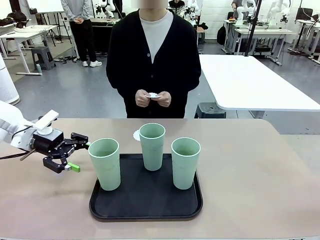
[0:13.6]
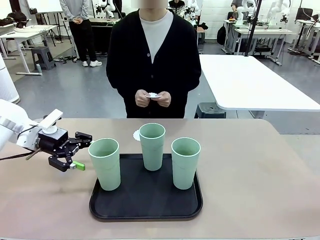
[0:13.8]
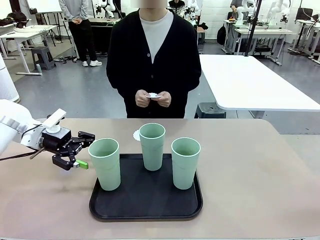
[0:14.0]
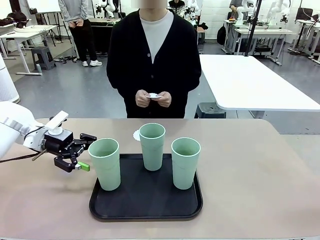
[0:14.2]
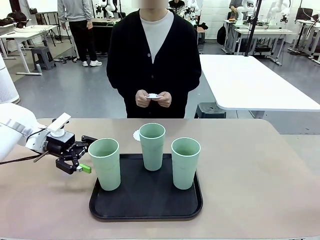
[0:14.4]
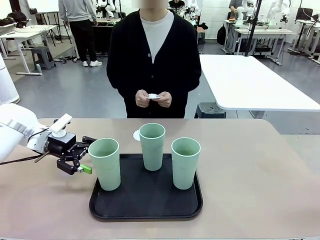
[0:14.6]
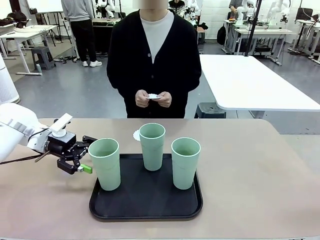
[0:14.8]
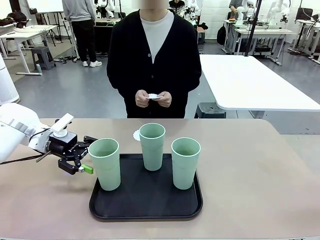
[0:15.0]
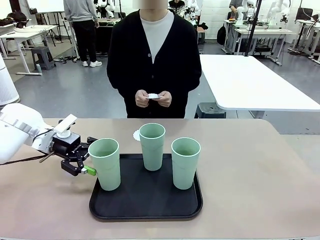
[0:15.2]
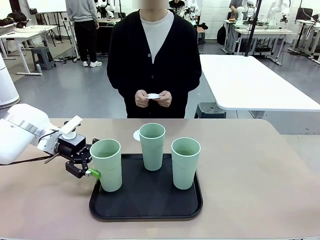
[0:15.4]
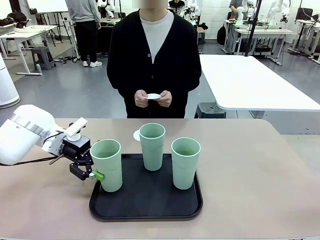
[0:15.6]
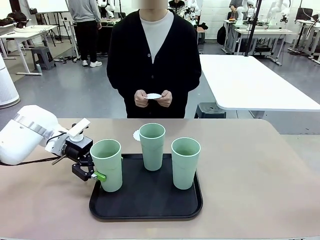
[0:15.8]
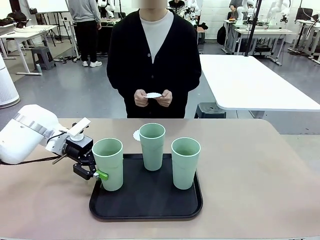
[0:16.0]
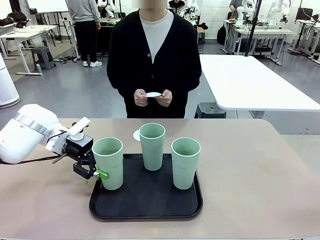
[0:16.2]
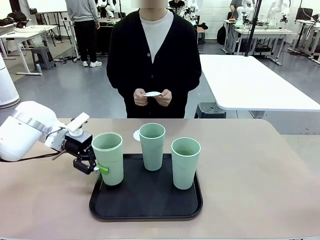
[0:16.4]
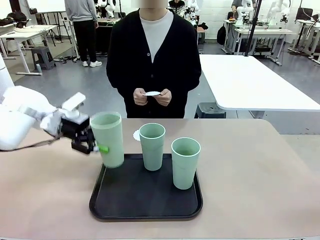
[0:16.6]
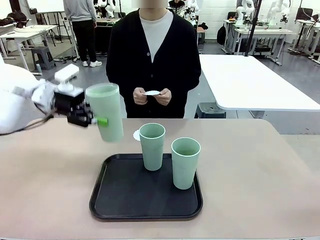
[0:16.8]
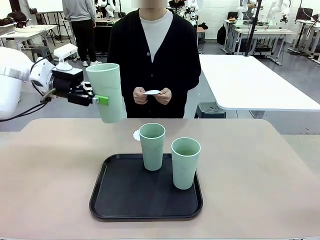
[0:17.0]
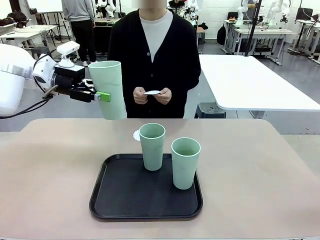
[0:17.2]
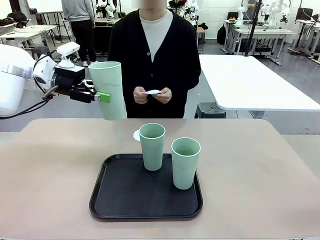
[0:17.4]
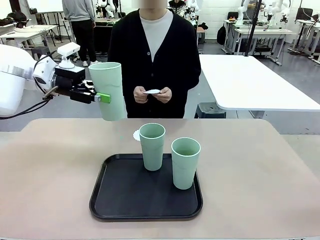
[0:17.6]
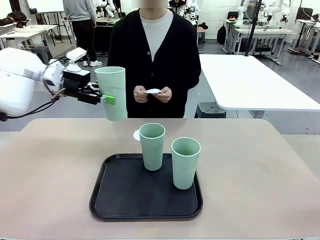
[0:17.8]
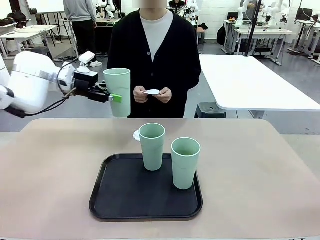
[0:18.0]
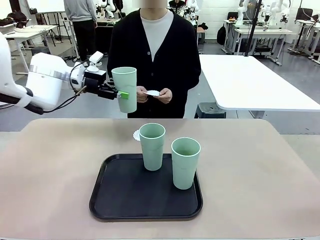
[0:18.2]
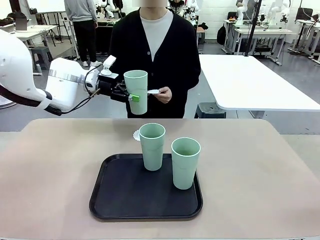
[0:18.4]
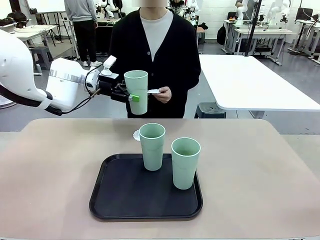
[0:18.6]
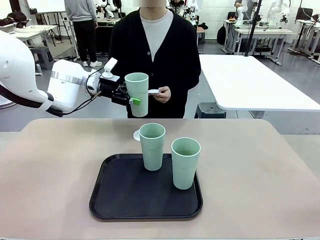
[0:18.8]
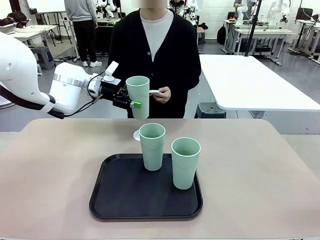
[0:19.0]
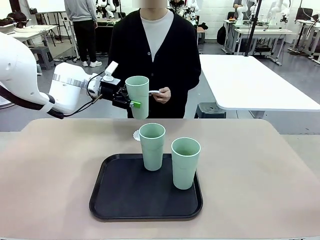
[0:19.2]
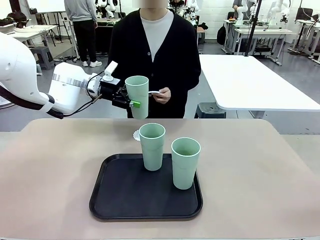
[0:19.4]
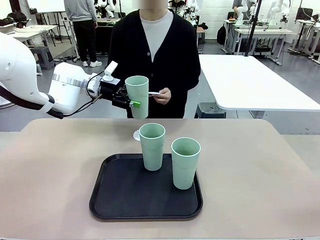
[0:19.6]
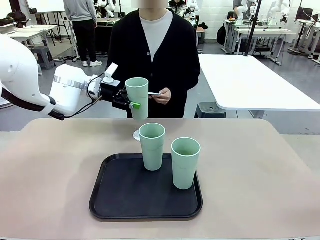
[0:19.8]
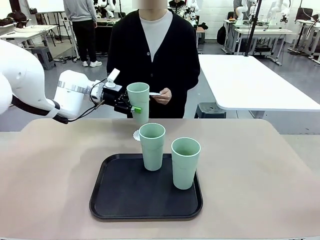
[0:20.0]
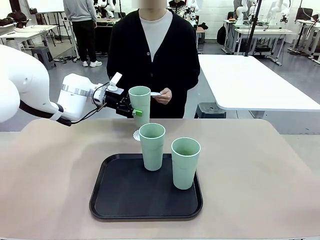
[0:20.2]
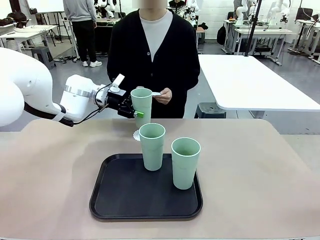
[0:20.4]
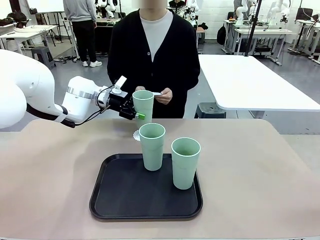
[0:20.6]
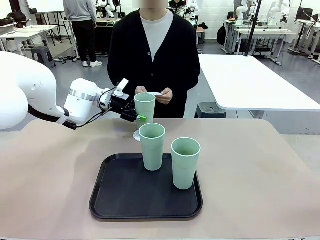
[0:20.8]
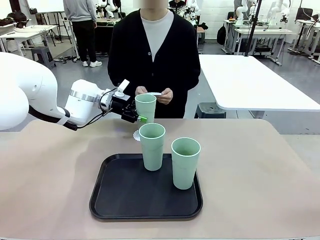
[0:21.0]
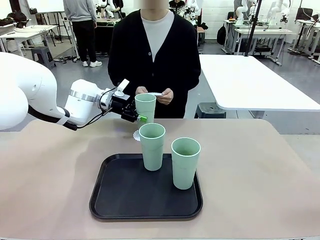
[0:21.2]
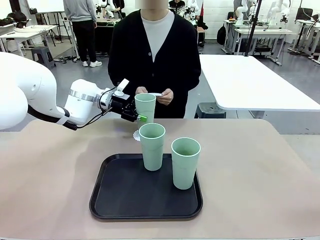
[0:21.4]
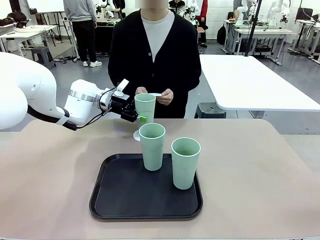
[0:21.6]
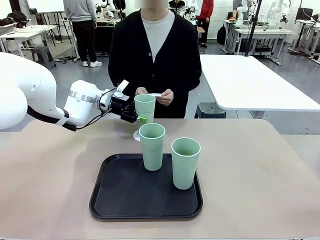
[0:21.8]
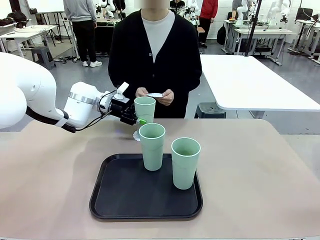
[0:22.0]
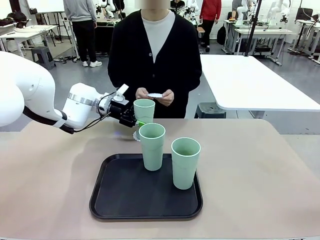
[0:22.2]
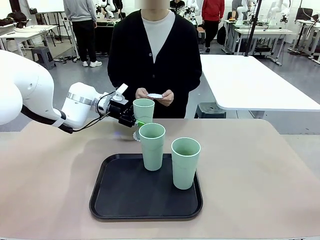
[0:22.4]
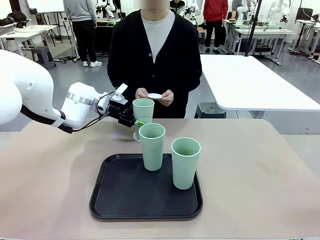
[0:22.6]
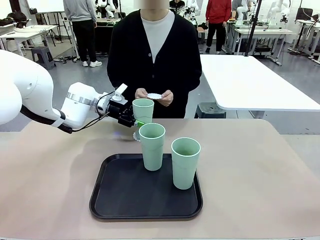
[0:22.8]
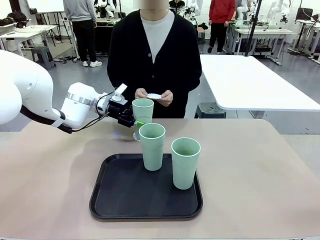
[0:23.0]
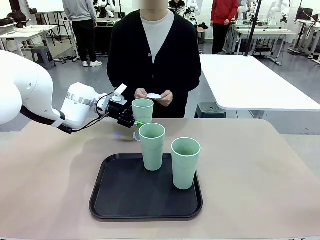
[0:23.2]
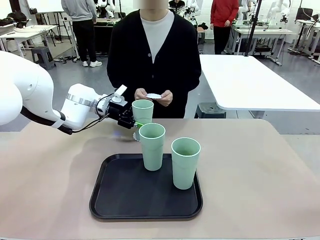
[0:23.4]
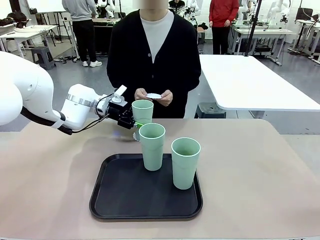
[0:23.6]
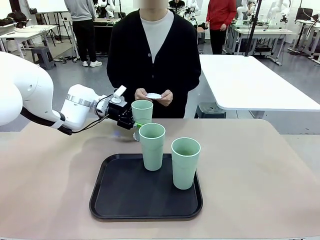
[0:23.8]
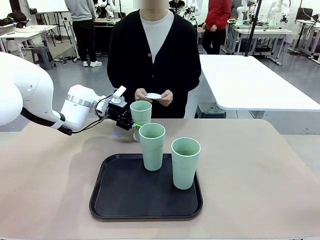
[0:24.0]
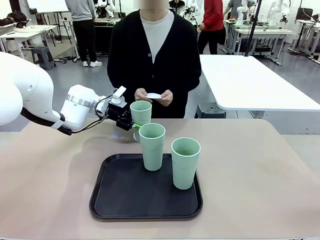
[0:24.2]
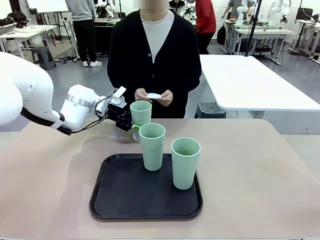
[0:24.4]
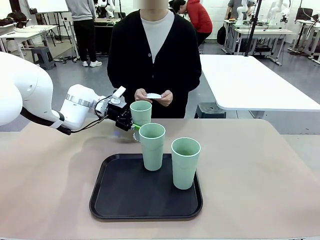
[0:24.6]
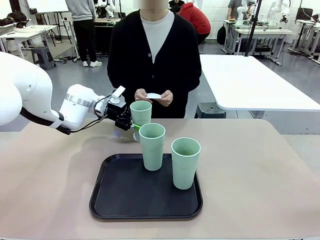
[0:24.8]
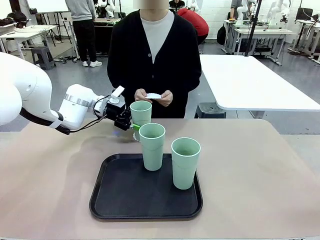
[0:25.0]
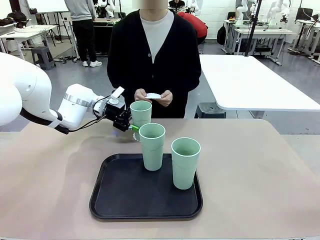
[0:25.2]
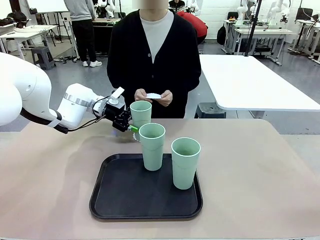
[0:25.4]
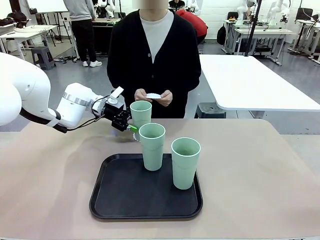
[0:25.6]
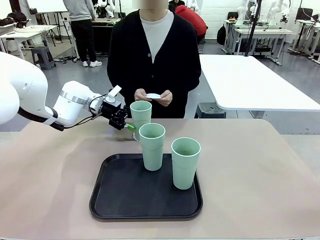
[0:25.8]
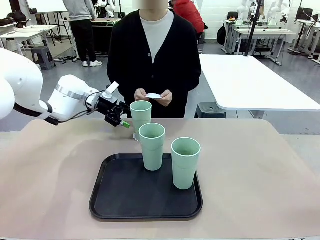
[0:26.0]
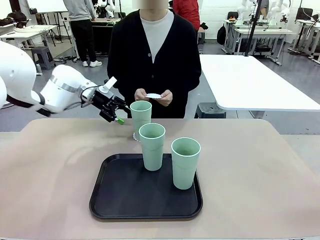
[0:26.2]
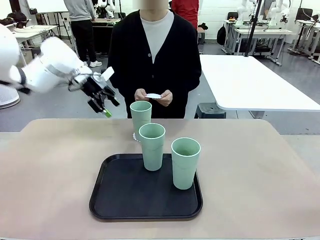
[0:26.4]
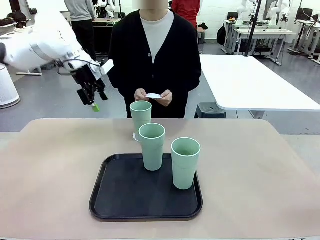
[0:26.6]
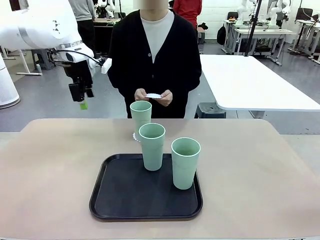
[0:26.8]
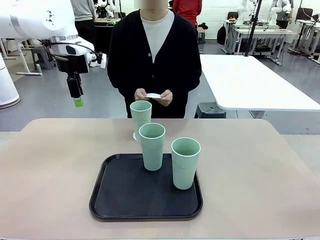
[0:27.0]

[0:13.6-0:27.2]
Task: Place coasters on the table and set cups on them.
Robot: Pick up one Reusable plastic cup and place it on a coaster set by the human.
Person: Place one coaster in one of the two areas excluding the previously selected area.

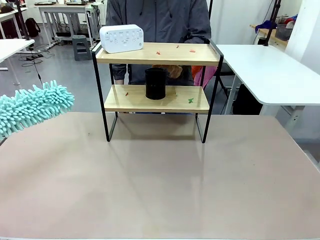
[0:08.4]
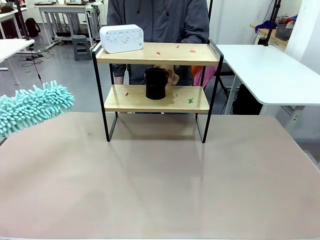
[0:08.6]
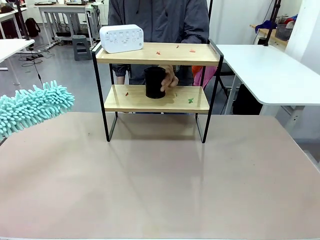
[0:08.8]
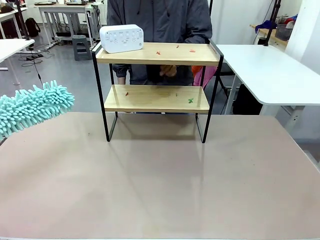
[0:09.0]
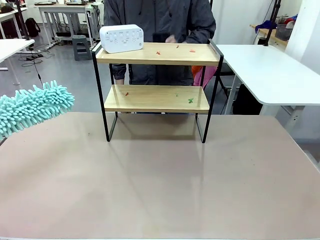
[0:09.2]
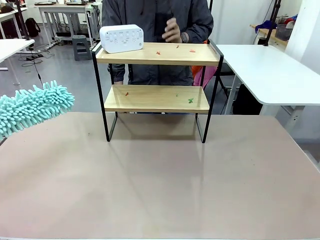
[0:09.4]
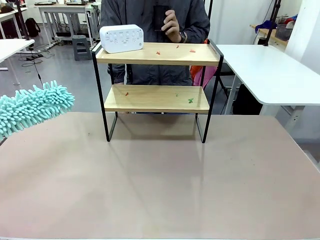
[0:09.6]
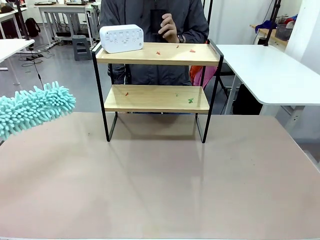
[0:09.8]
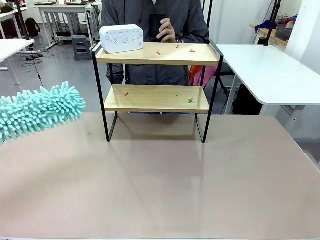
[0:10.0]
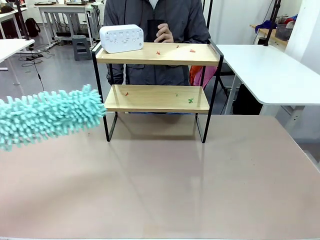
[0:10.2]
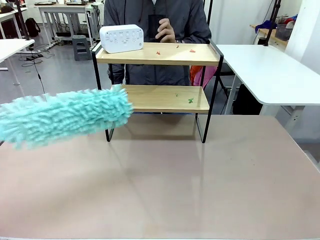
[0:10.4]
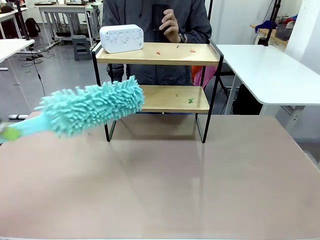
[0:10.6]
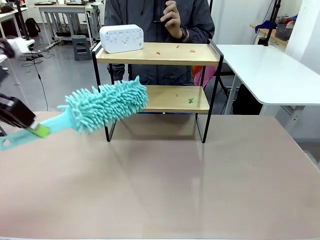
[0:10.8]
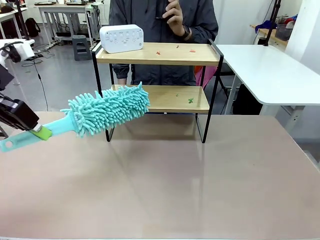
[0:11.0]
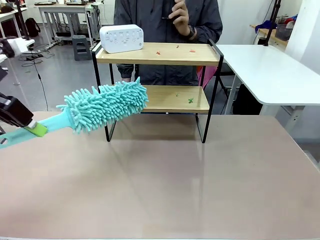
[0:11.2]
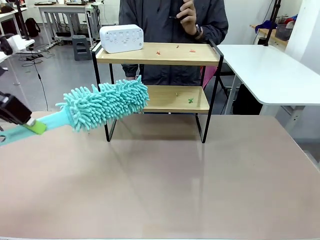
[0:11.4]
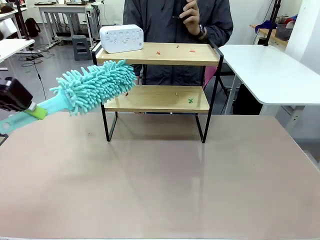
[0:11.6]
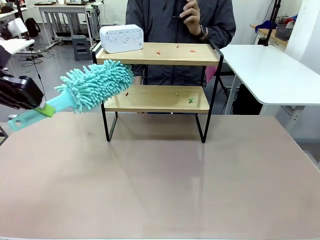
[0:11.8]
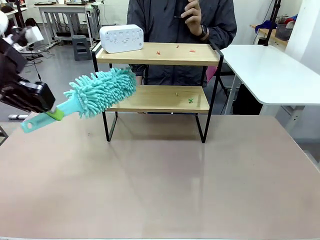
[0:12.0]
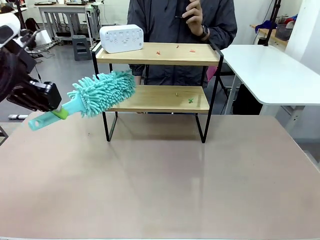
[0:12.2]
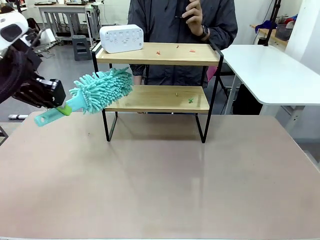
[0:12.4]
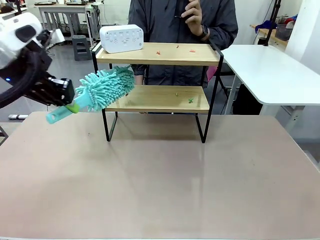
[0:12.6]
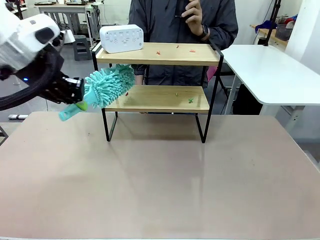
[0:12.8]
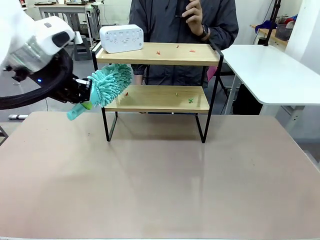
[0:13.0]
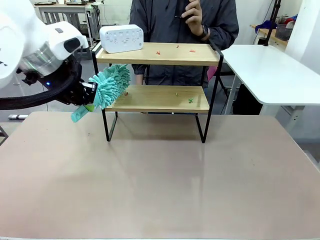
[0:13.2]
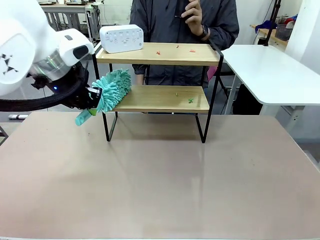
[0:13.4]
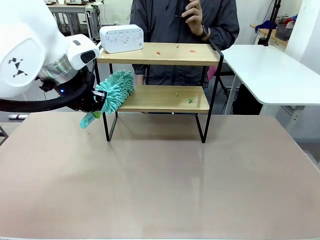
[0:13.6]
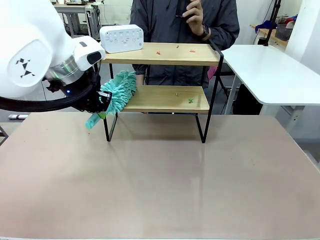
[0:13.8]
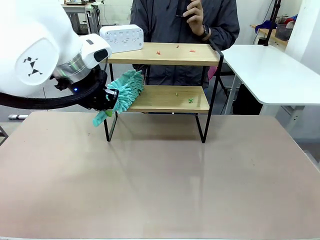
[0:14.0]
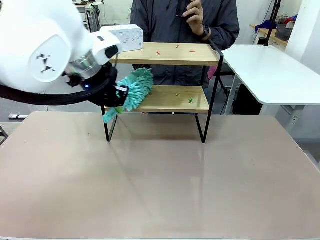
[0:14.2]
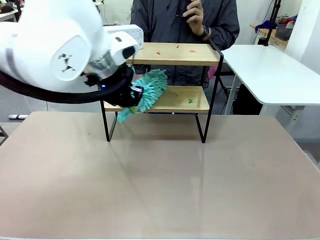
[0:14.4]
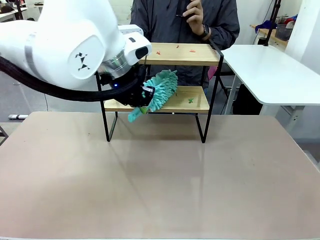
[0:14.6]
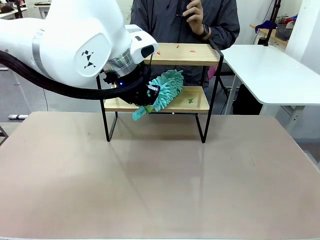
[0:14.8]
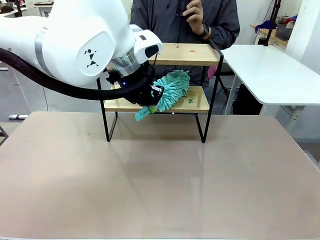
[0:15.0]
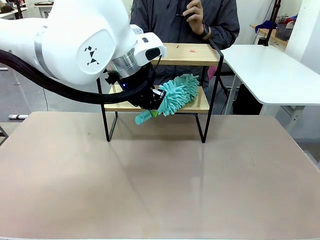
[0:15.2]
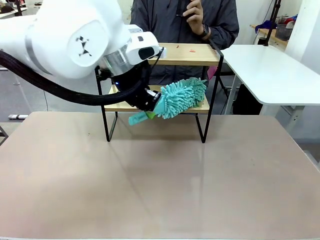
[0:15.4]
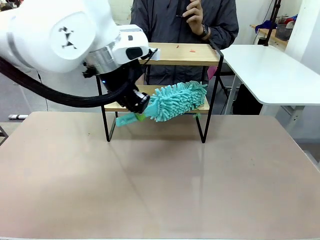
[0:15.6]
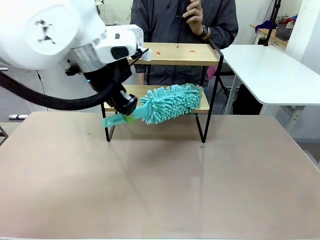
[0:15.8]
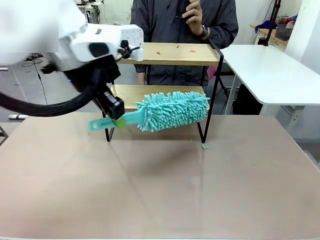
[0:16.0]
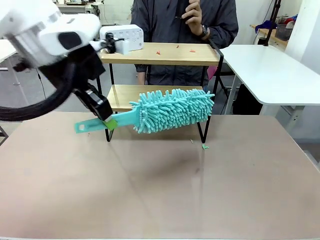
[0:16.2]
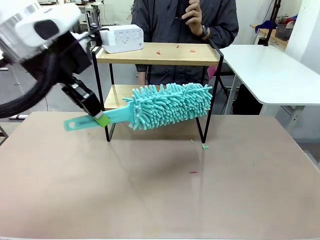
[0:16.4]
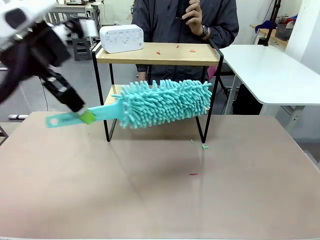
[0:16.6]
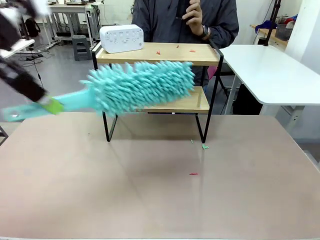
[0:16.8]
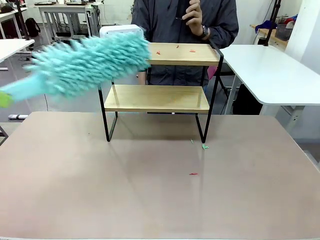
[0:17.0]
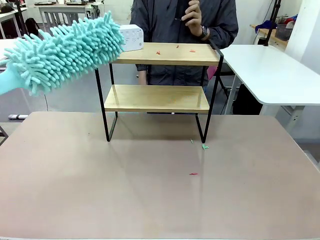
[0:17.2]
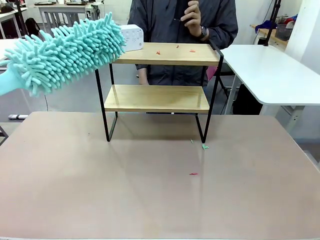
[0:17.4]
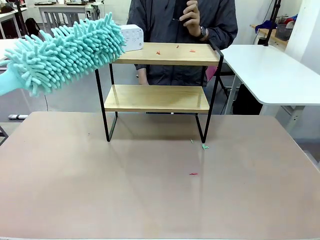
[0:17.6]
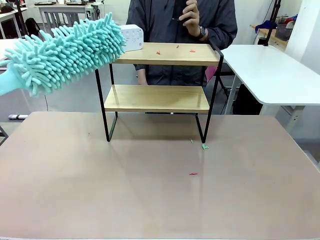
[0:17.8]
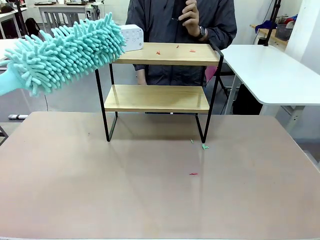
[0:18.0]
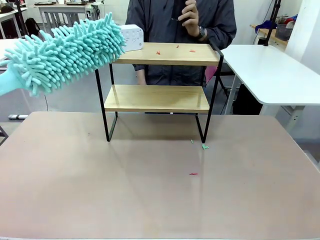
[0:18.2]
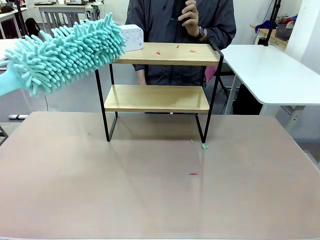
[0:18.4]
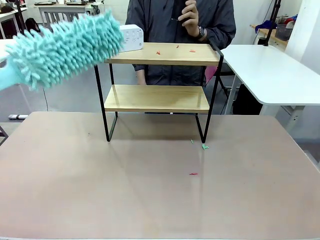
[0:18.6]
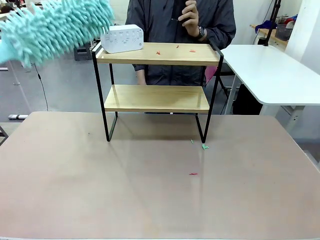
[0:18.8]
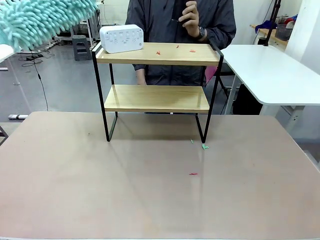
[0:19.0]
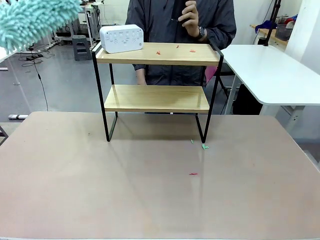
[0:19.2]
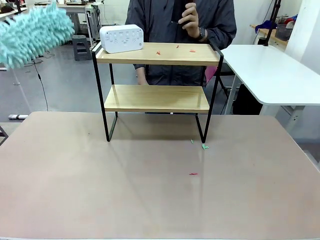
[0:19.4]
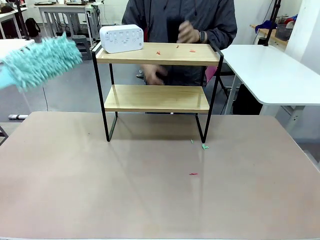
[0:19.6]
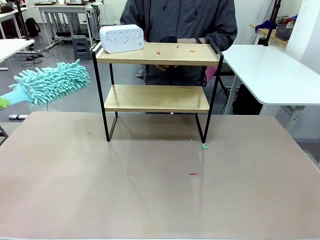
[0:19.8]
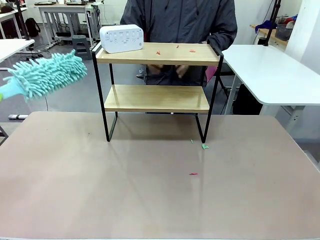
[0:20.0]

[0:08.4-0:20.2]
Task: Clean the shelf.
Robot: Clean the specific tier of the Shelf with the Duster once objects are removed.
Person: Lift the objects on a randomly selected tier of the Shelf. Once the robot finishes cleaning, lift the objects on the remaining tiers of the Shelf.
